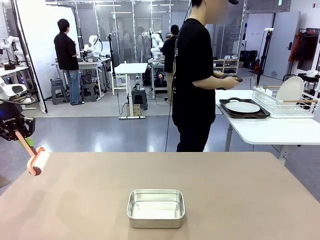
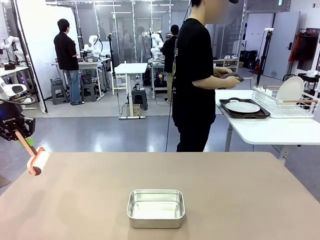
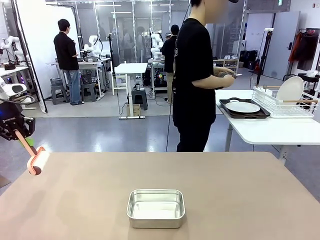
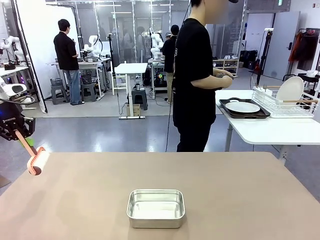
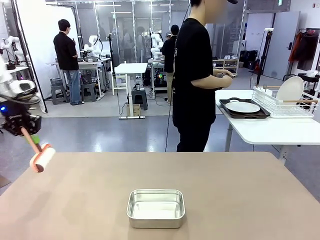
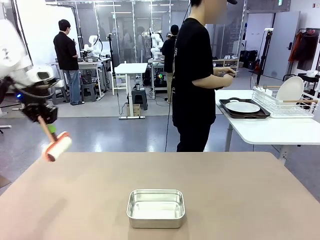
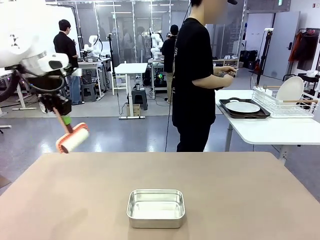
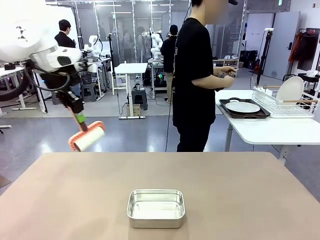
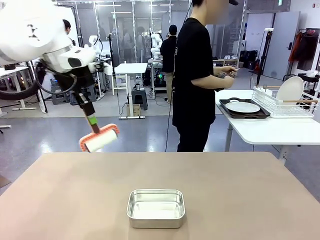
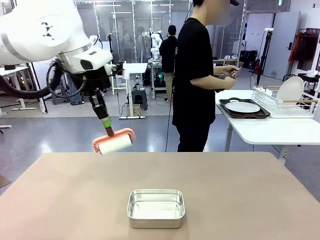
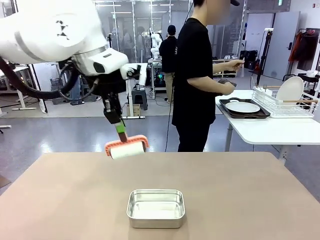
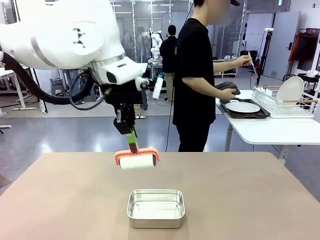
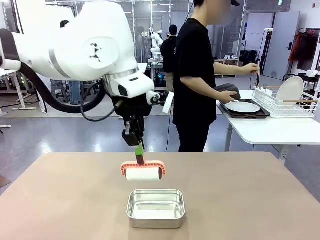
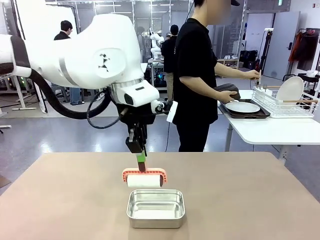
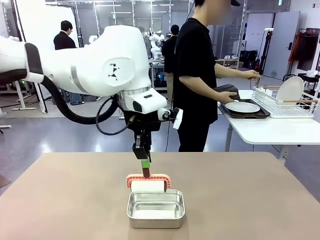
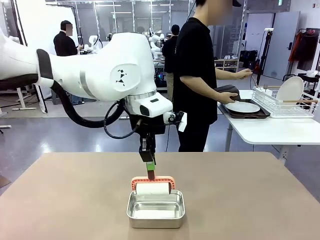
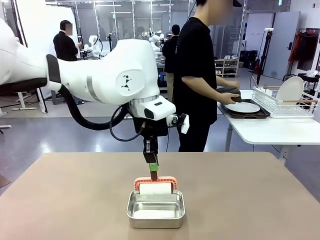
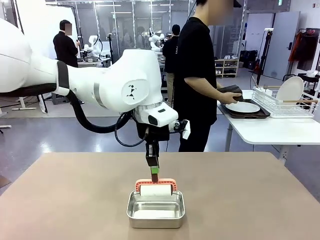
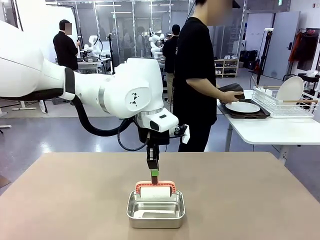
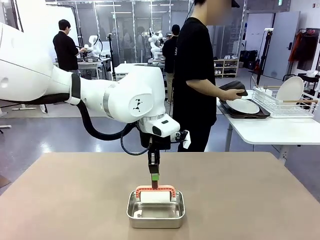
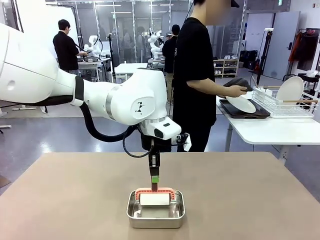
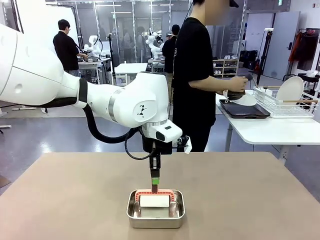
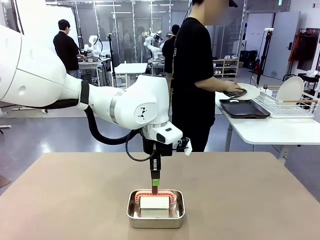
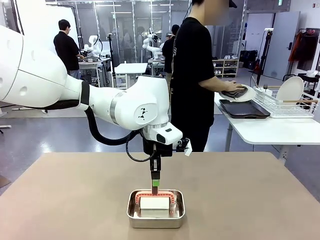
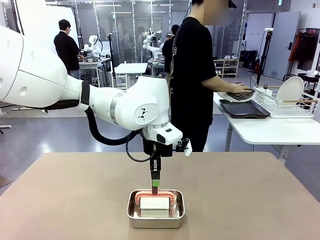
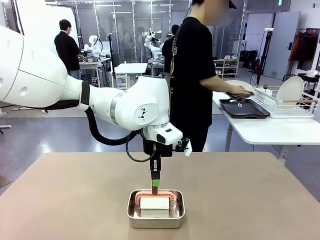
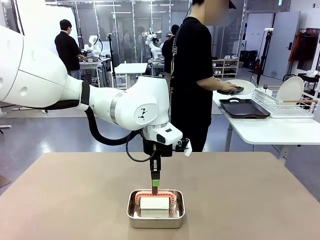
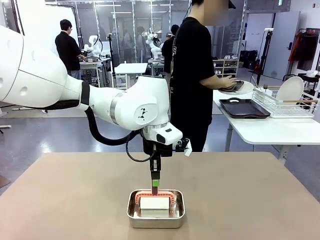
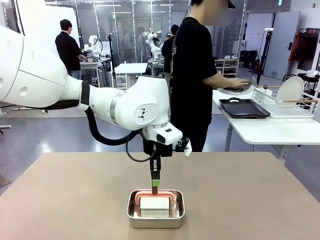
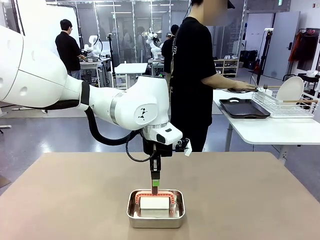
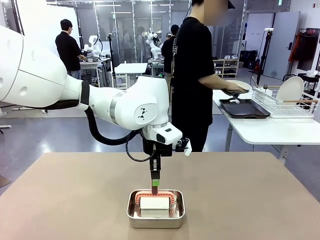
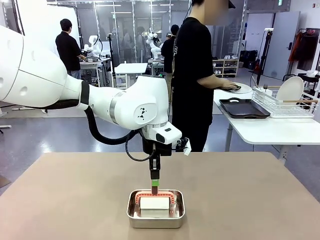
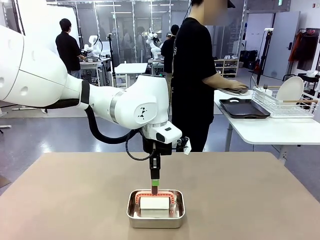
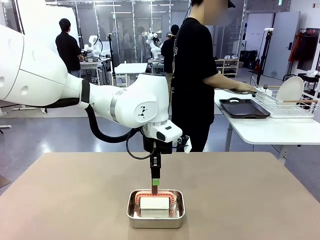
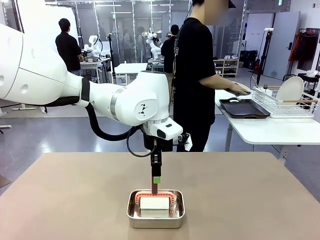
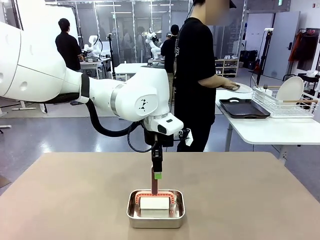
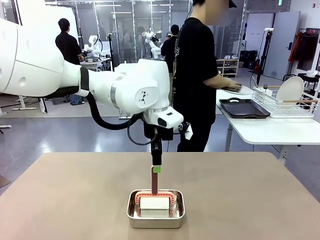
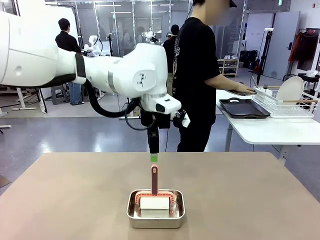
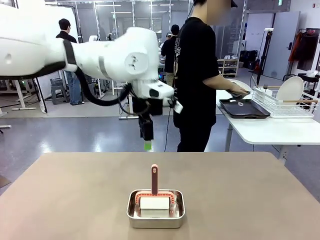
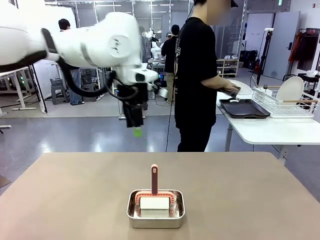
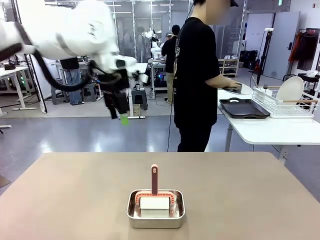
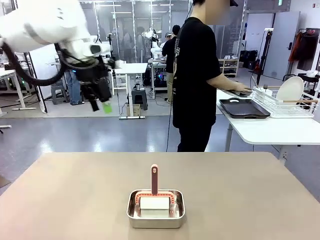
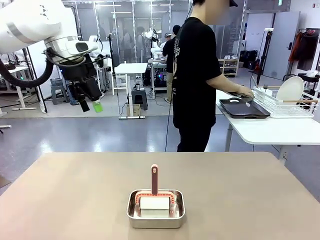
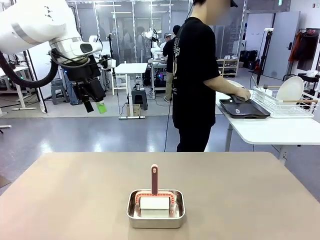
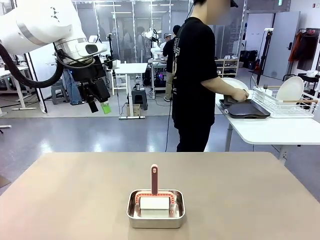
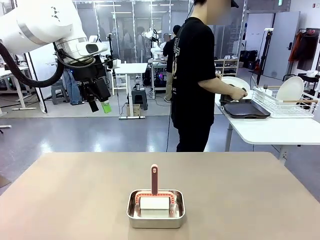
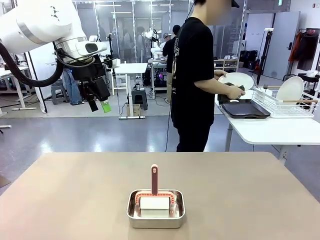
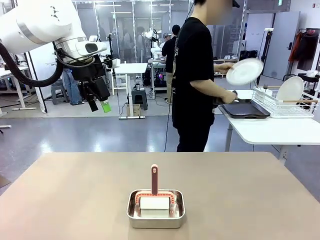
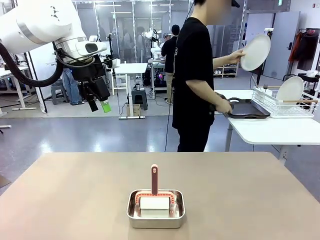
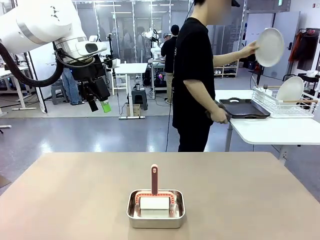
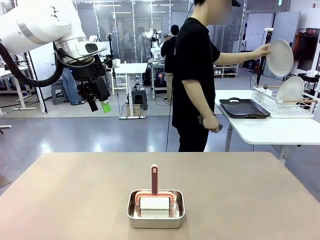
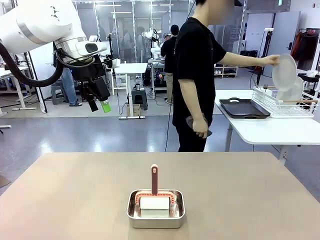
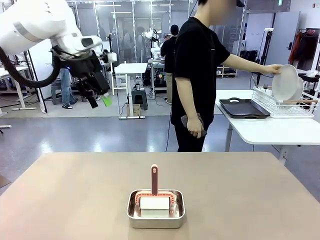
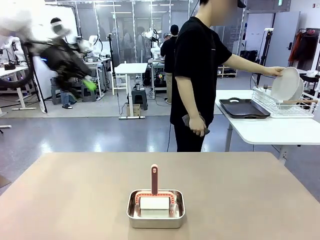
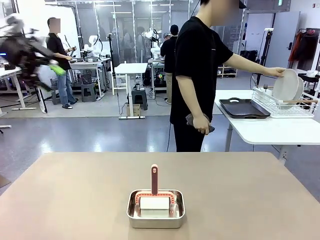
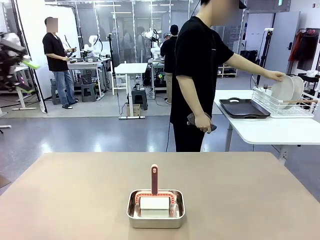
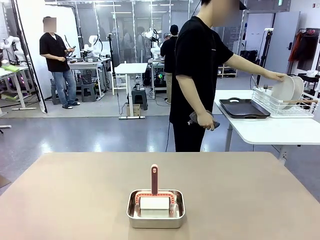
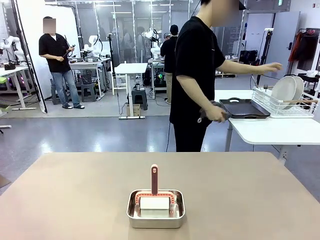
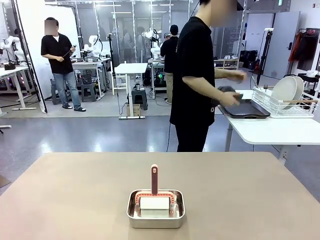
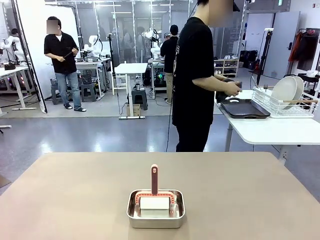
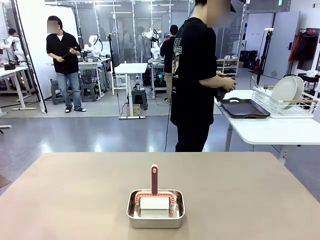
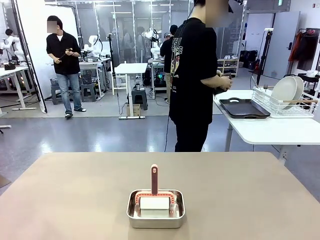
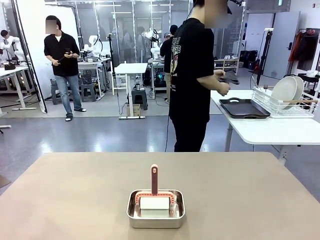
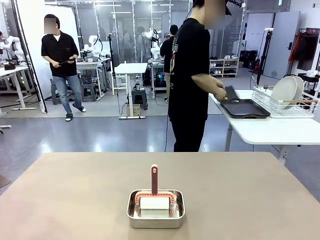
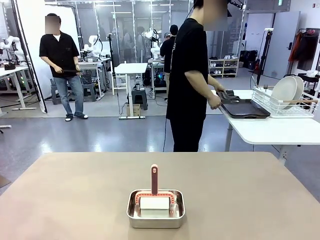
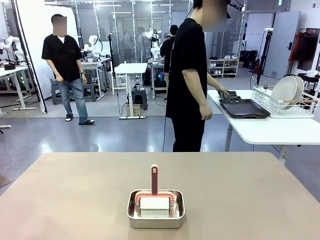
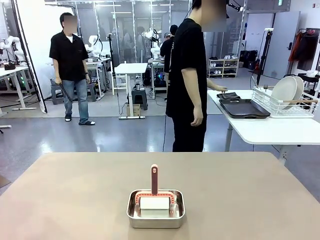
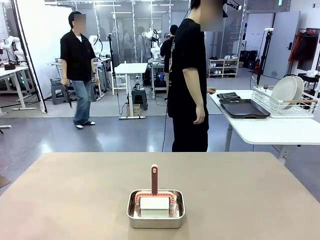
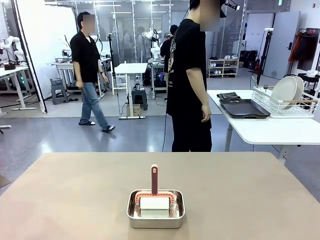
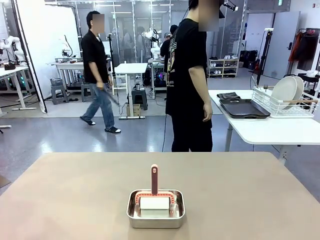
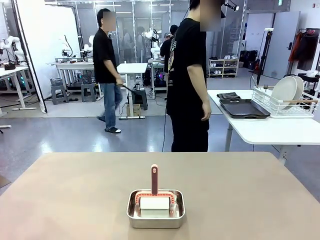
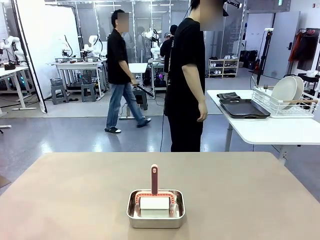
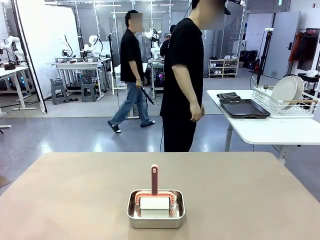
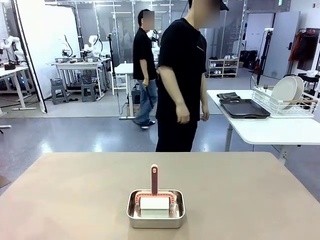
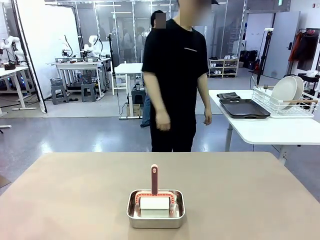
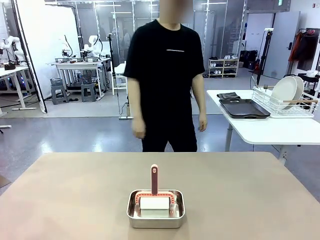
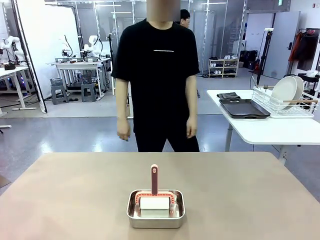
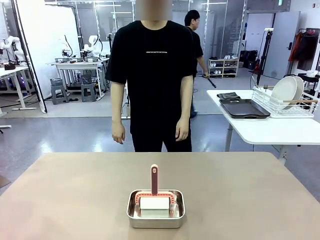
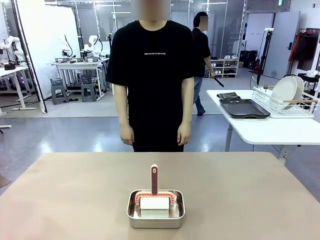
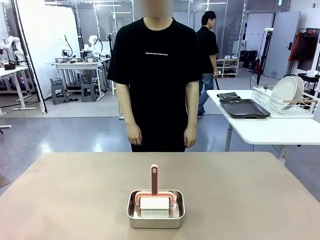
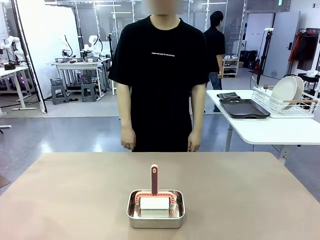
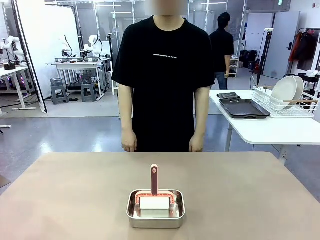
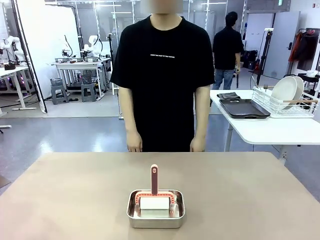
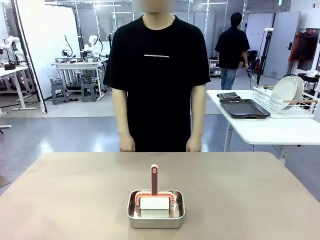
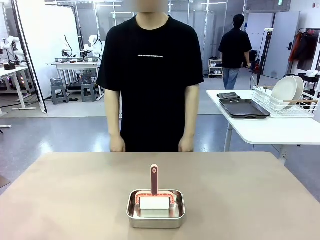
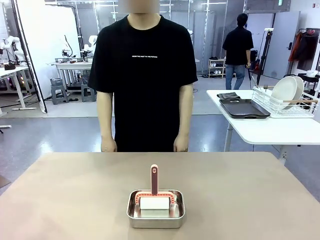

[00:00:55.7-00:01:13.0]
Robot: Place the Lint Roller back on top of the Airtight Container.
Person: Use the Towel with hook to wipe the Plastic Matte Plate , Fork , and Knife and place into the Dish drying rack.

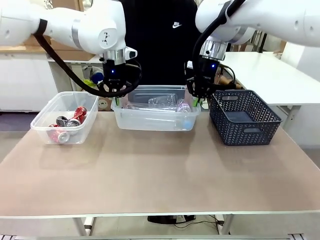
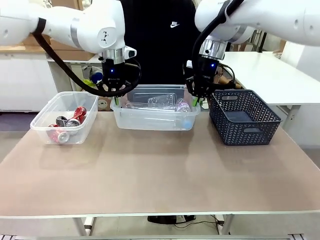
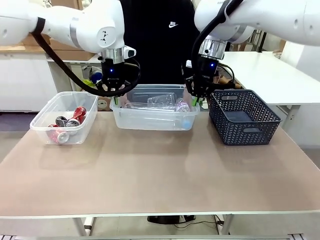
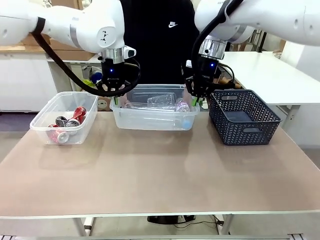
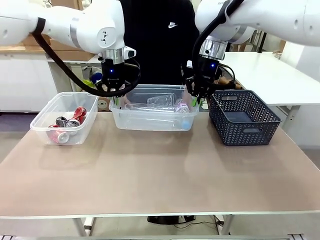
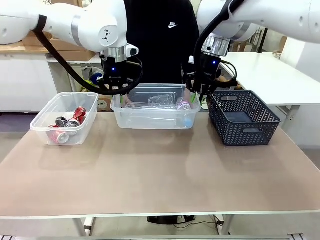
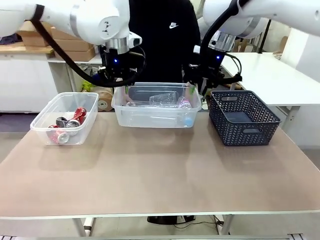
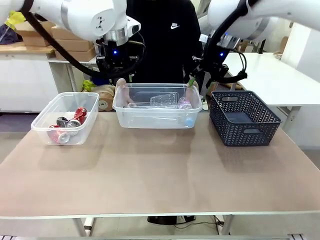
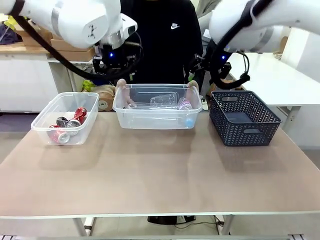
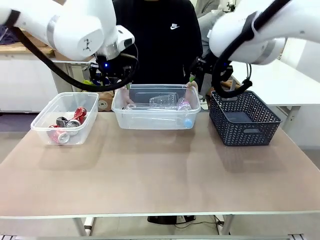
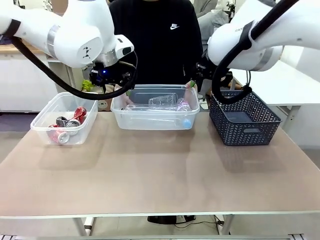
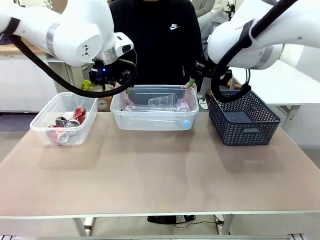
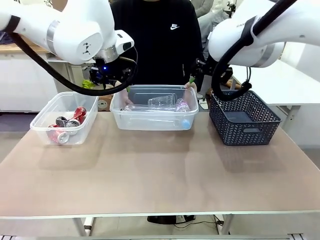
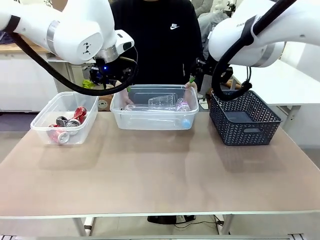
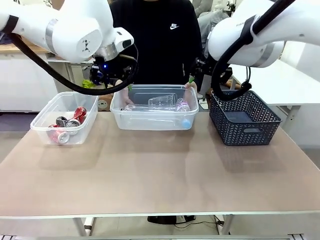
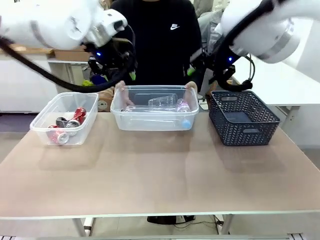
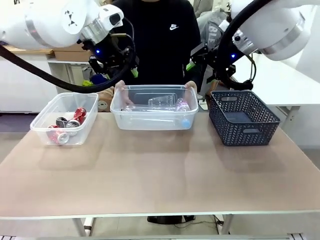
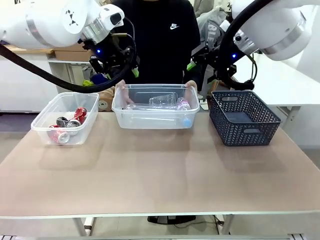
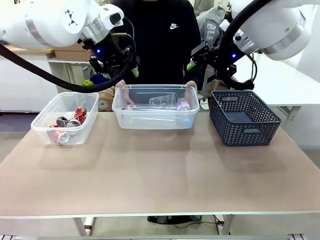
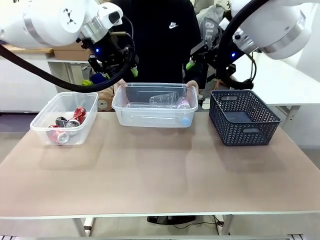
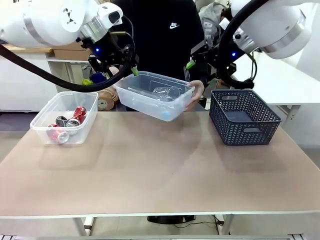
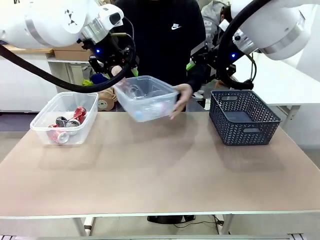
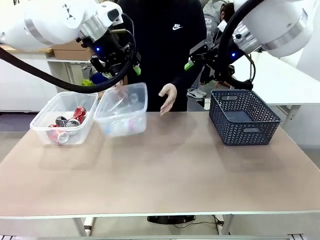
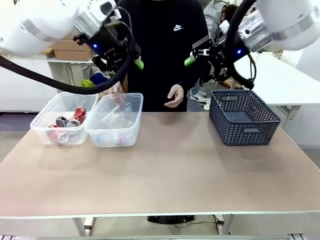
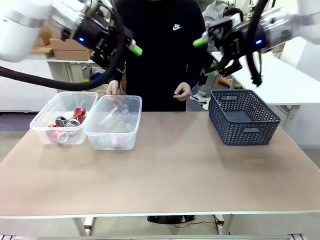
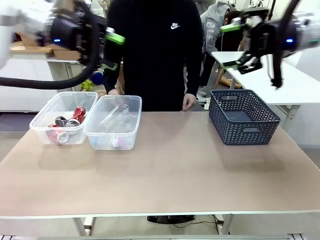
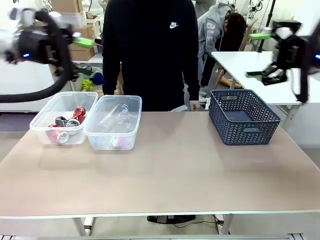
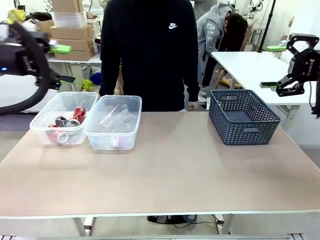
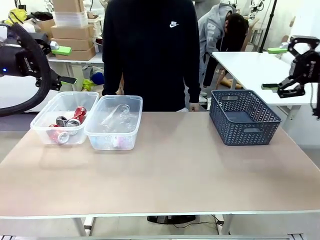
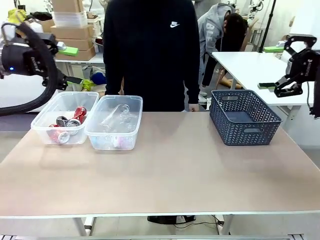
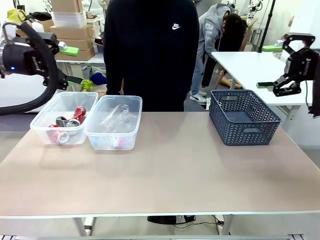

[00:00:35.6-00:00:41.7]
Robot: Release the Organizing box you were holding.
Person: Pick up the organizing box extended by the robot. Place the organizing box to the left of the sorting box containing the can waste.
